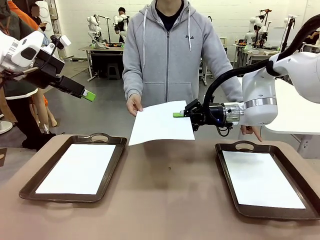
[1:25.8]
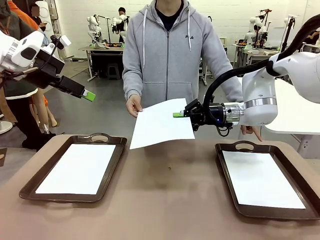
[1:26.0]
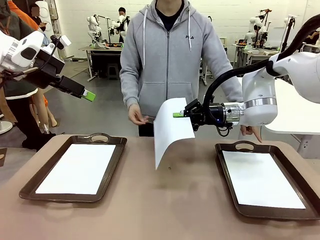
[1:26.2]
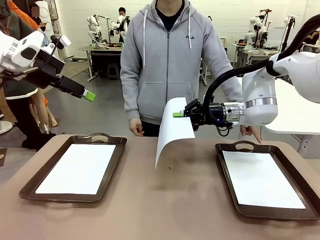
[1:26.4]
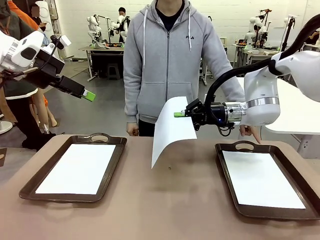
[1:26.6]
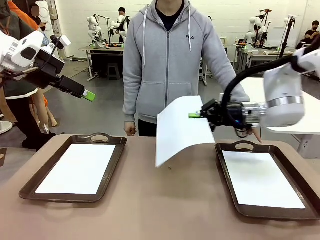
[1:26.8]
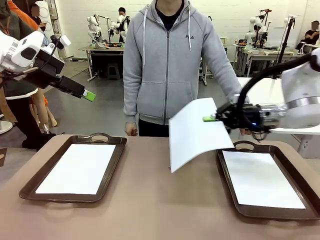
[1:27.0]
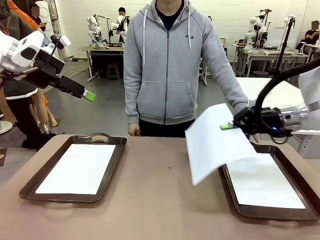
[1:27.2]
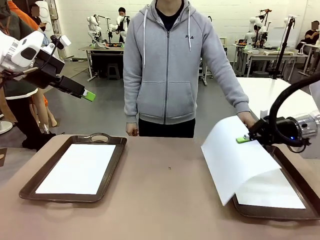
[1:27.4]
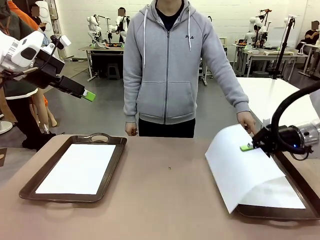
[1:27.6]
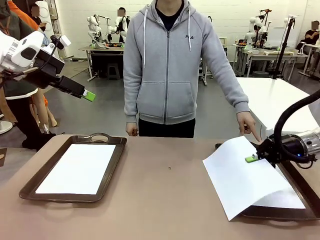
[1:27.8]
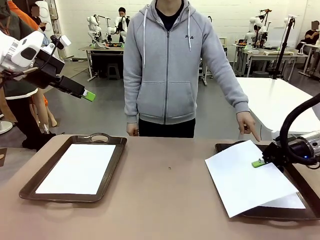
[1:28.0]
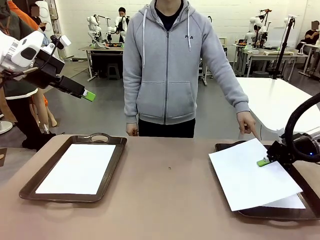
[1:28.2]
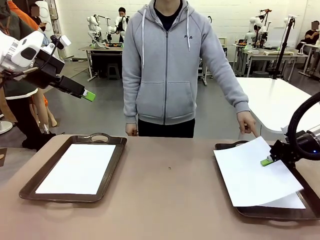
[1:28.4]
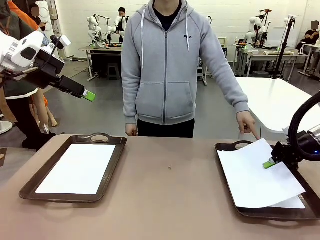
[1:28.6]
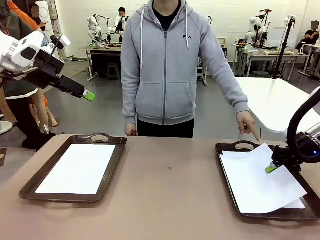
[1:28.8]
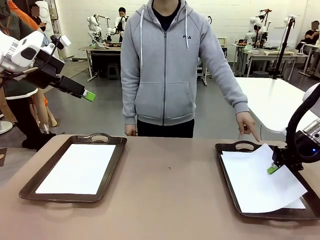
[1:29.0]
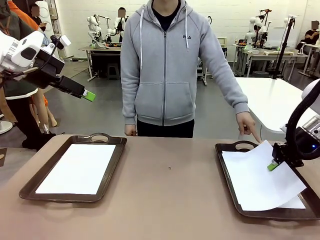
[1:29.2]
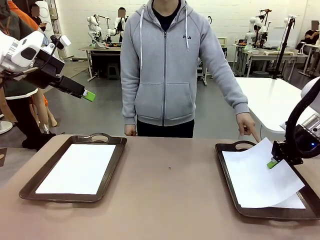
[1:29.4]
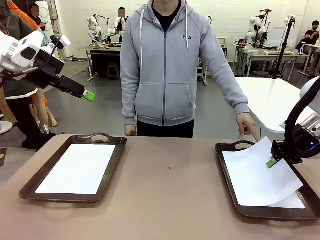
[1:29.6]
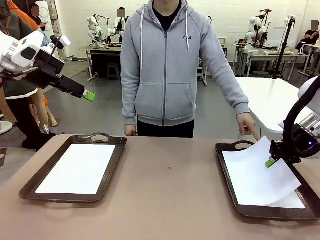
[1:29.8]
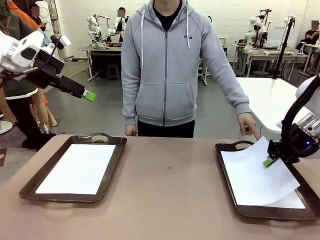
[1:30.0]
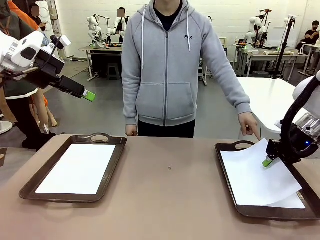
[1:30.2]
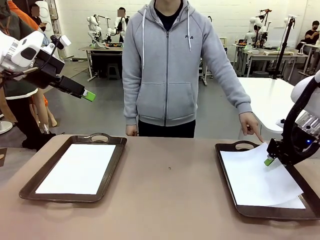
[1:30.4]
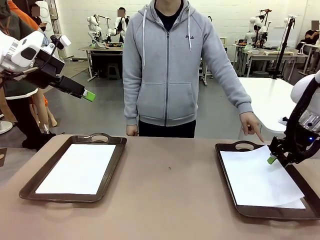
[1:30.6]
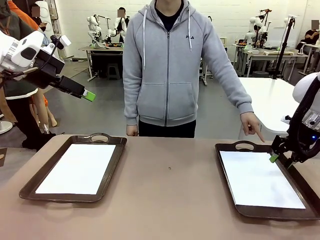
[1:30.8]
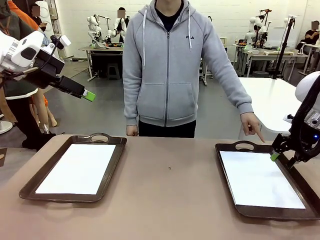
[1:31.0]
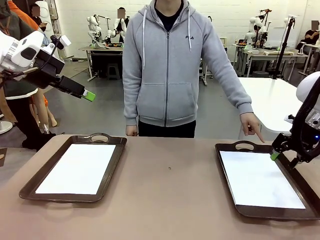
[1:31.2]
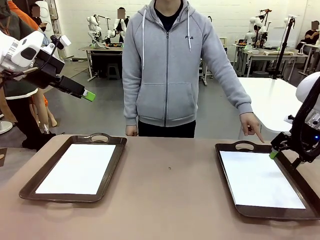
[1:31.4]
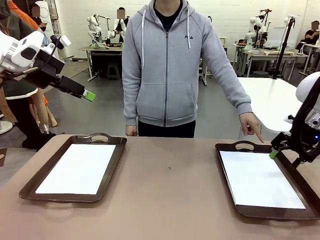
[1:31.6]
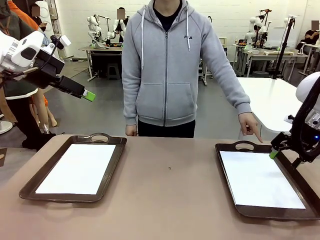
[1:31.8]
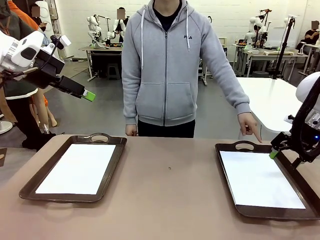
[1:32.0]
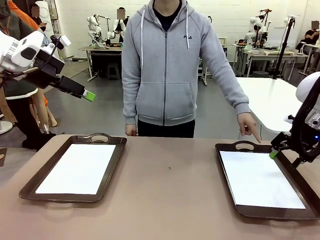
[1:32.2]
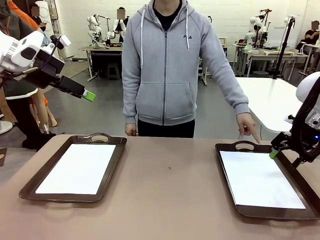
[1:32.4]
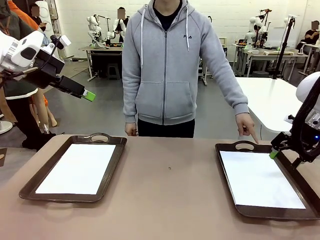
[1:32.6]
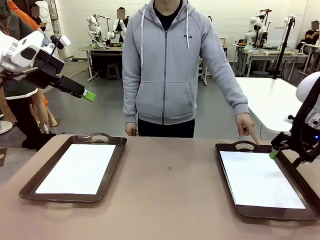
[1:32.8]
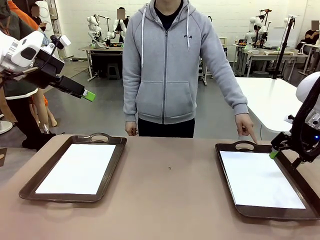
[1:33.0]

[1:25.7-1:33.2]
Task: Sort the A4 documents.
Robot: Place the A4 Paper in the designated Handle tray.

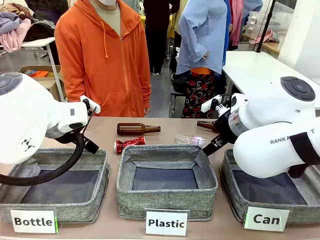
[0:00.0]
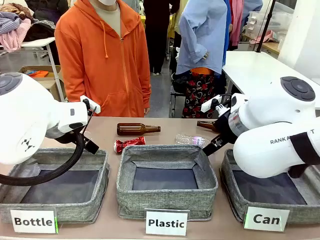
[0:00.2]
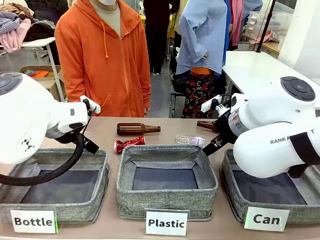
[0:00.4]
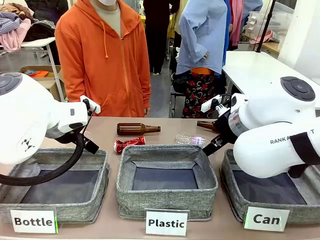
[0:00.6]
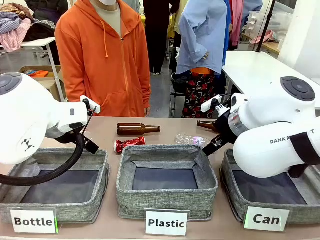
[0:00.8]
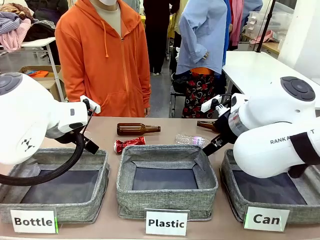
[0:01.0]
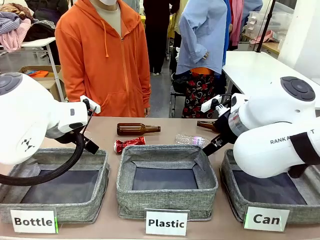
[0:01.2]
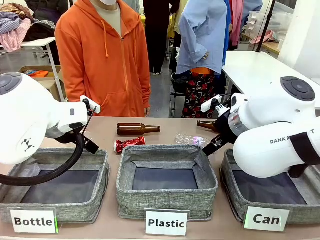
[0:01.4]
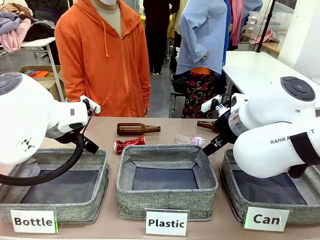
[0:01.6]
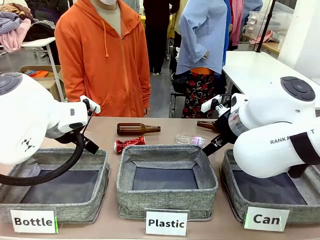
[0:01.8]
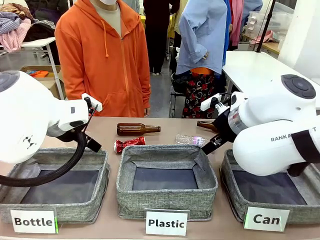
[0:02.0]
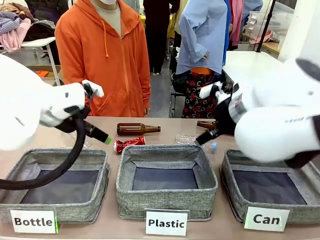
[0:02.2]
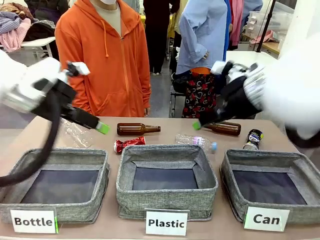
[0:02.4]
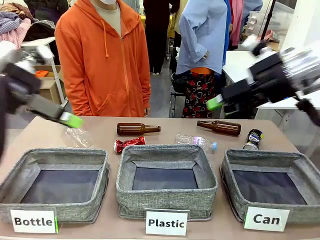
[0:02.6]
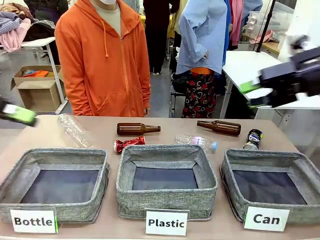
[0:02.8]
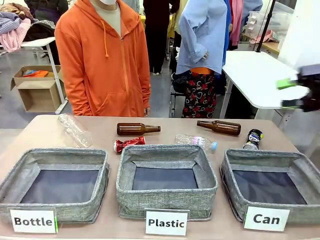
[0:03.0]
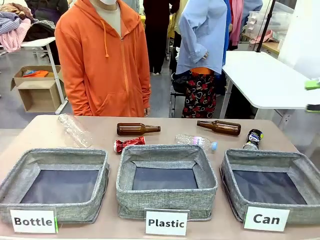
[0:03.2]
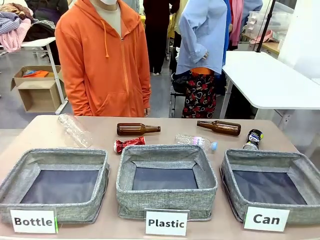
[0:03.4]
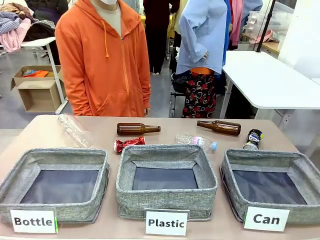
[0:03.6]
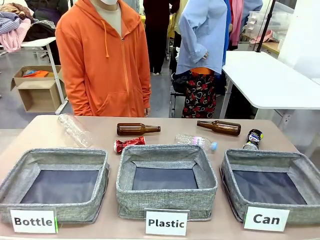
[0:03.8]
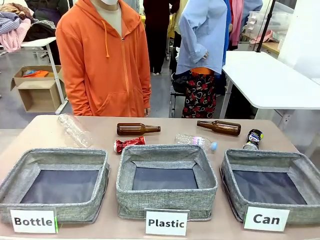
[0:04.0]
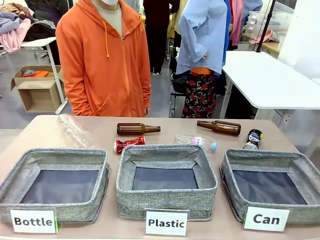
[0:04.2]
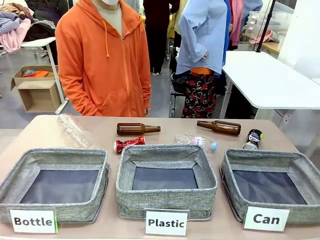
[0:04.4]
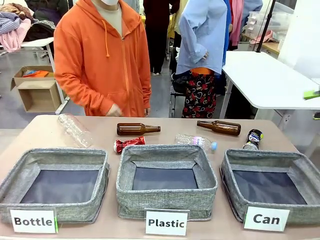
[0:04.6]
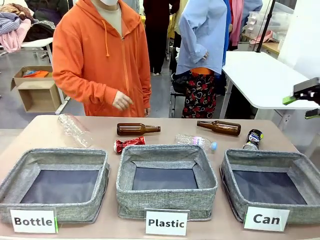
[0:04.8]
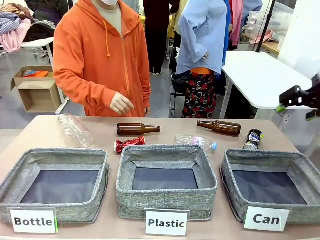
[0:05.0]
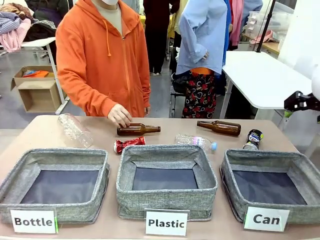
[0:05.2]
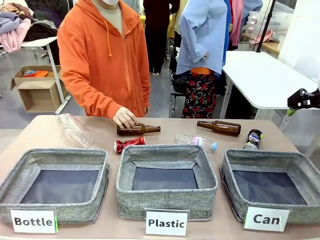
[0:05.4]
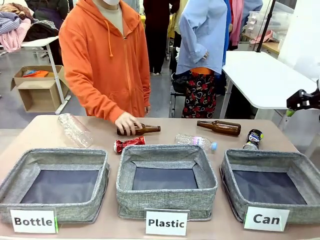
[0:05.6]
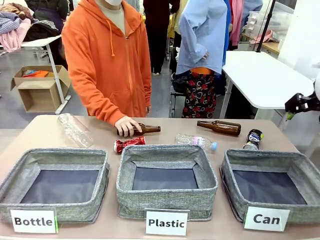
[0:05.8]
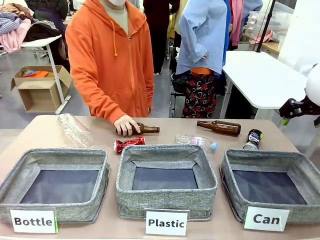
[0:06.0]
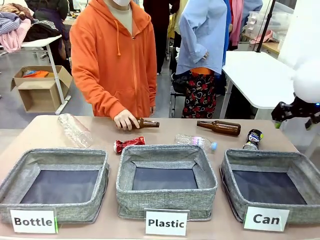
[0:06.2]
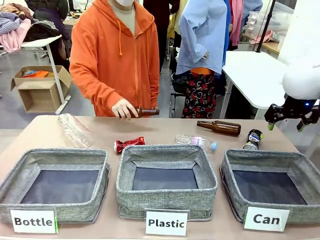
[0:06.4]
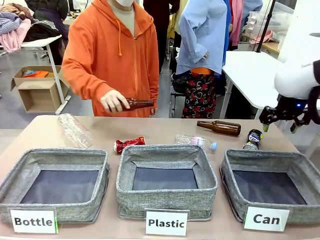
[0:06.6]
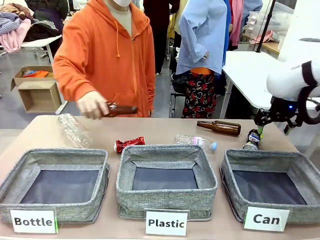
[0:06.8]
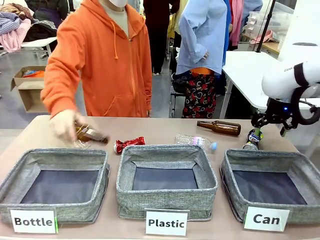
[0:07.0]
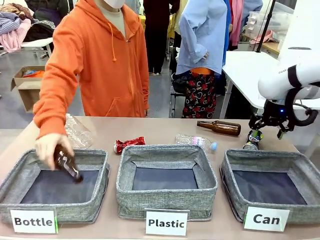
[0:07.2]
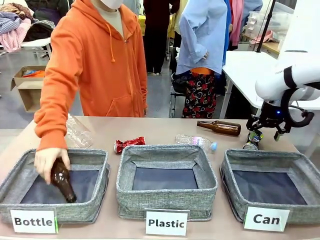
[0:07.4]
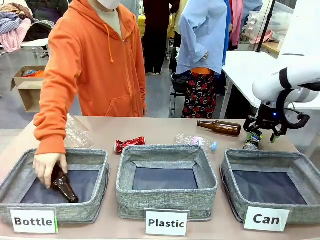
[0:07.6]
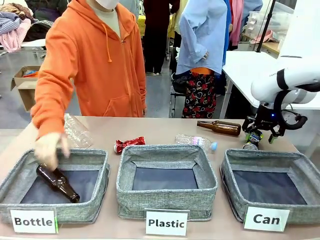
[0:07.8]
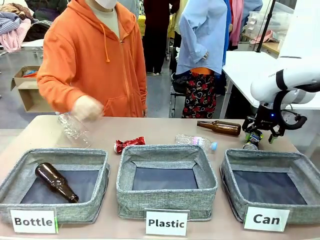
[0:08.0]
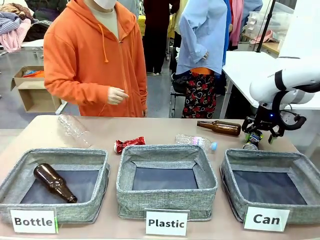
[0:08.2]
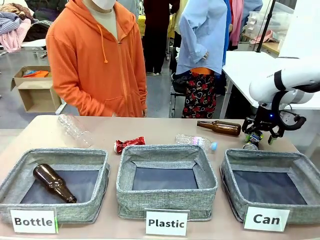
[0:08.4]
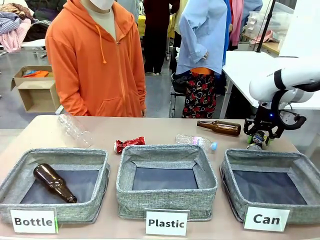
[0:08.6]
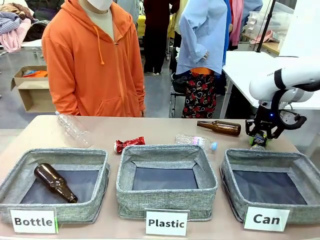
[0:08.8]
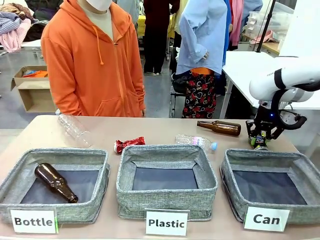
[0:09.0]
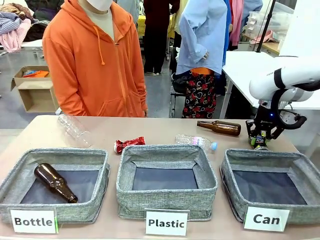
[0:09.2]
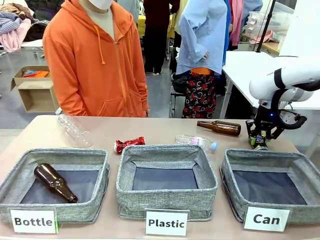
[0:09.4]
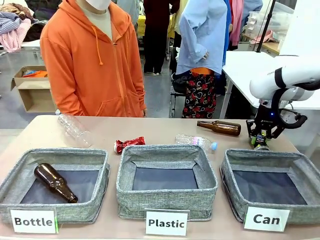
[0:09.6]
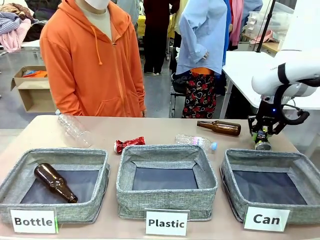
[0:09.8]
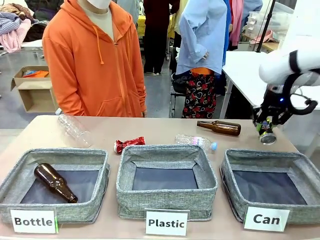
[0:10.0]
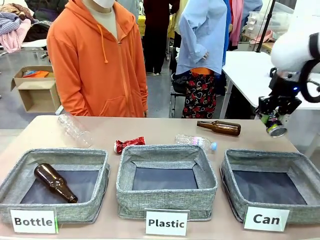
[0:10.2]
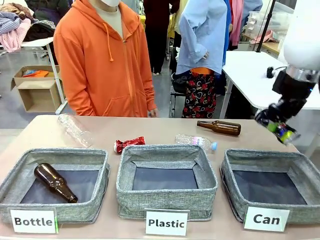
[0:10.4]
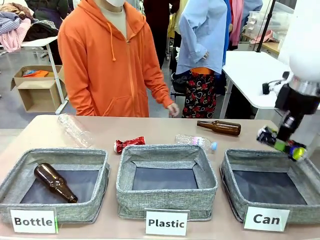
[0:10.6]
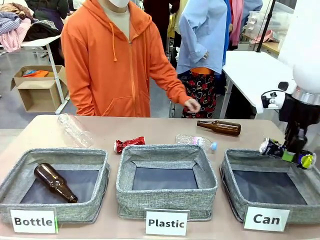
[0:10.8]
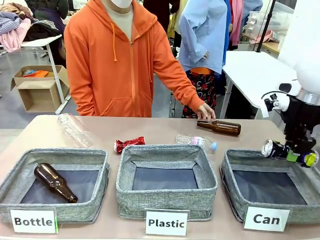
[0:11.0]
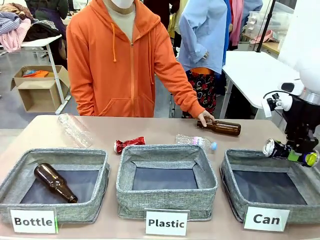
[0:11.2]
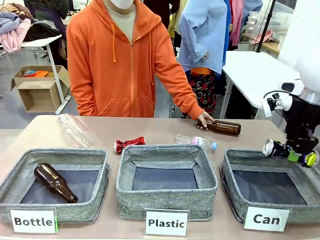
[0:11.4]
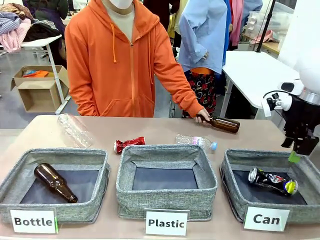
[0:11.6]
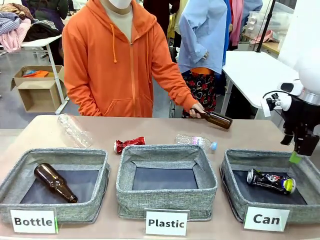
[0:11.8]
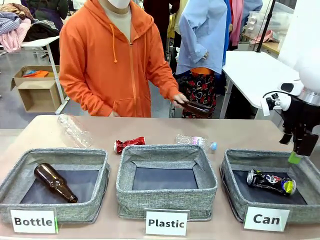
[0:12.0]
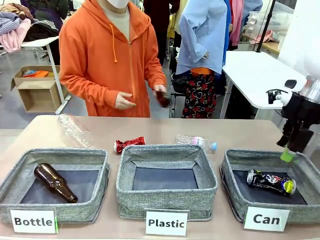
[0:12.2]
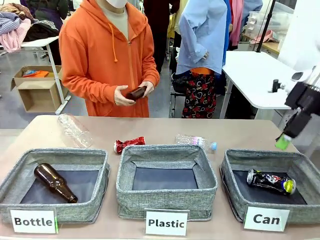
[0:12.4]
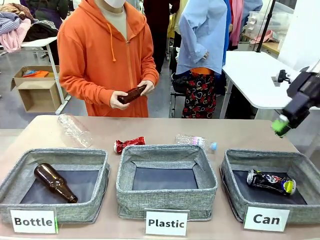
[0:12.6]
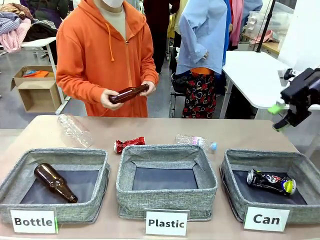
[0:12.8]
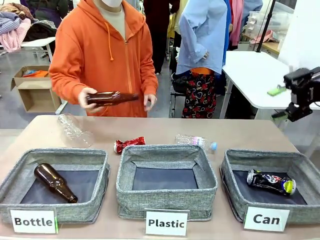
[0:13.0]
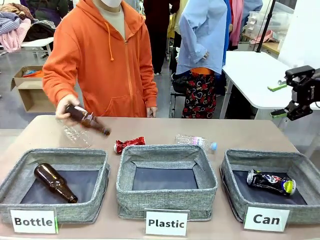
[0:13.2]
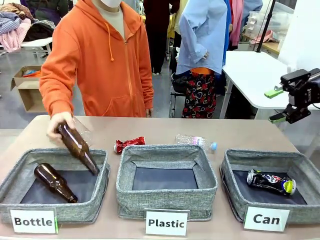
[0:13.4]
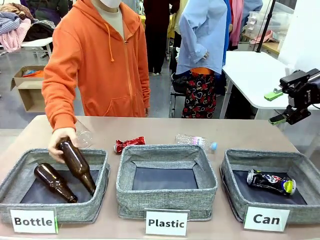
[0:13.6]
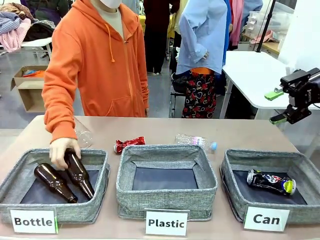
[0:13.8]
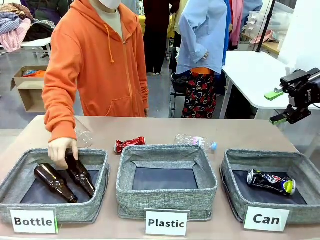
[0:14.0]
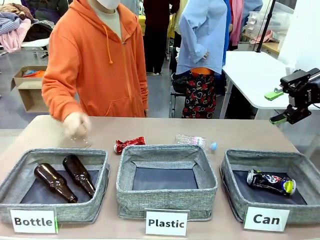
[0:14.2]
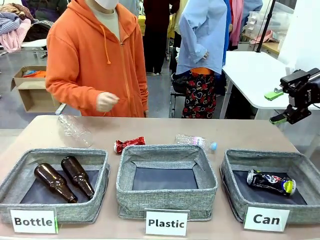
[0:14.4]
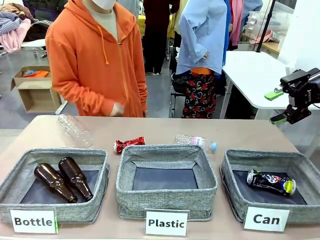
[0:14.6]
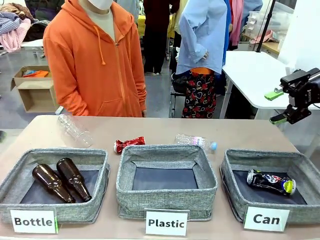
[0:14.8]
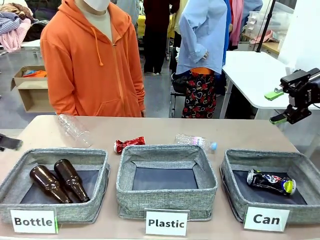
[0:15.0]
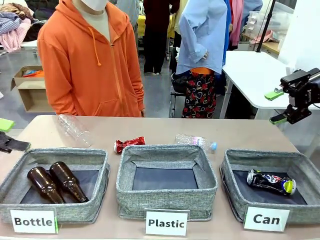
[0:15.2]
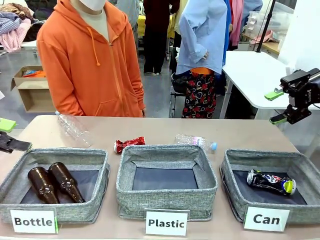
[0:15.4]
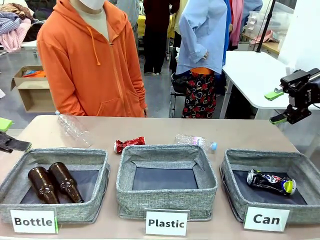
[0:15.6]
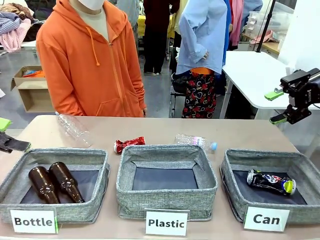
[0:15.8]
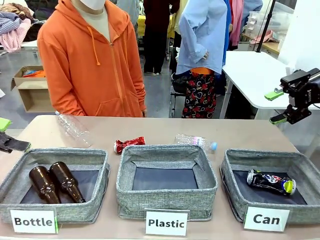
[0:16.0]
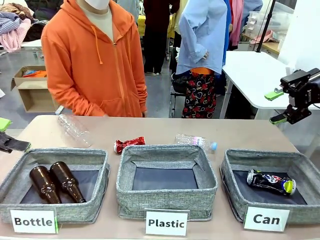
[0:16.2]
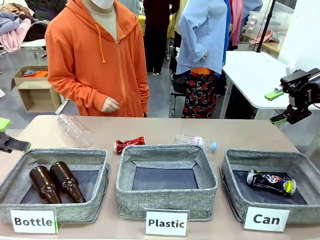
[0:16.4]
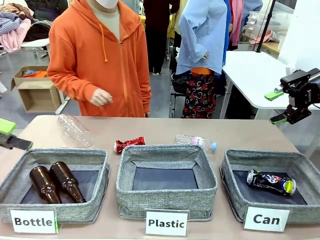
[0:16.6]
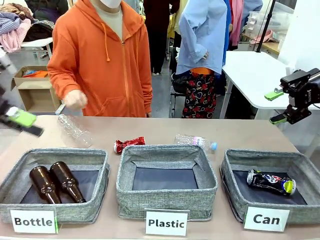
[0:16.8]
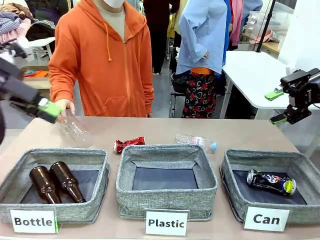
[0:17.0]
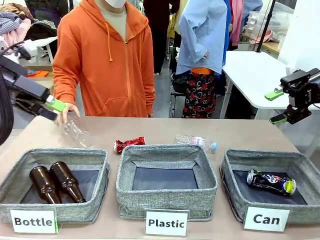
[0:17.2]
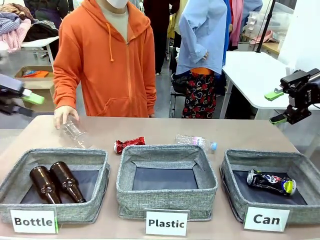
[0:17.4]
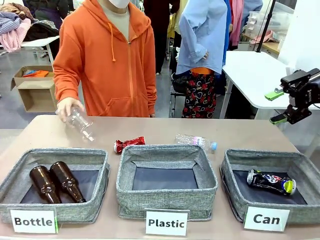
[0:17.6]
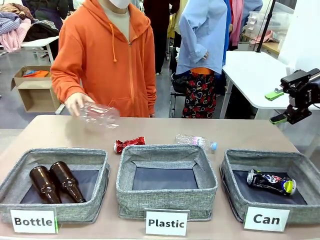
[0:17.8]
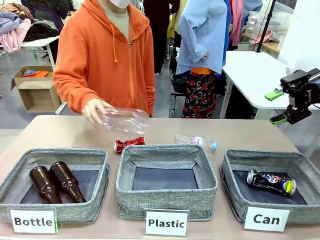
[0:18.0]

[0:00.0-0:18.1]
Task: Sort the can waste into the basket.
Robot: Pick up the can waste from the table and place it in the right Fabric basket.
